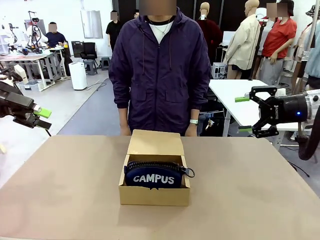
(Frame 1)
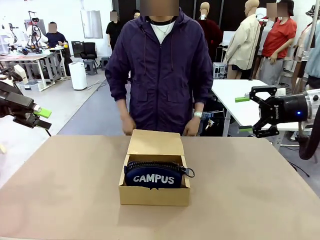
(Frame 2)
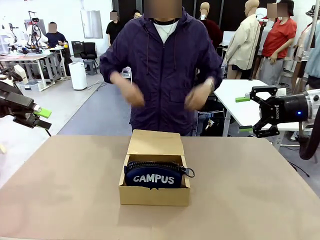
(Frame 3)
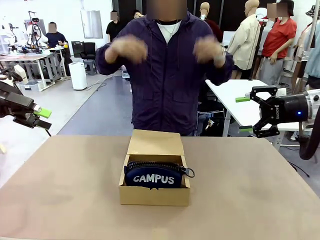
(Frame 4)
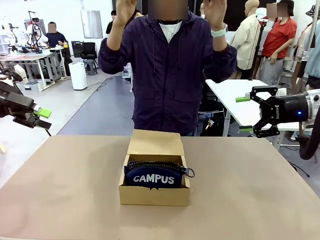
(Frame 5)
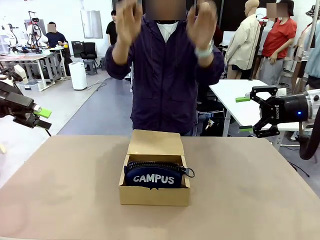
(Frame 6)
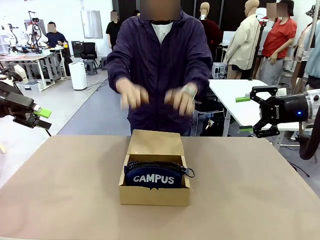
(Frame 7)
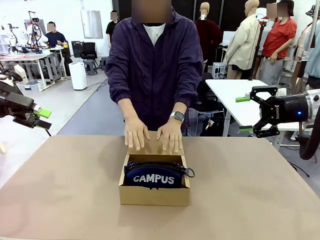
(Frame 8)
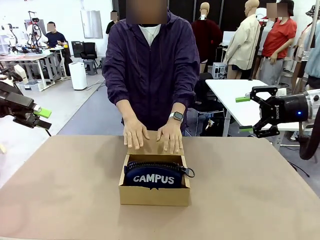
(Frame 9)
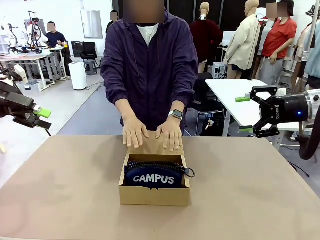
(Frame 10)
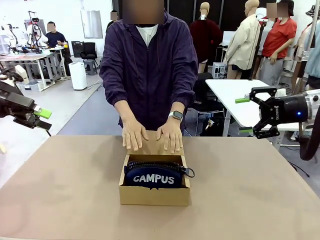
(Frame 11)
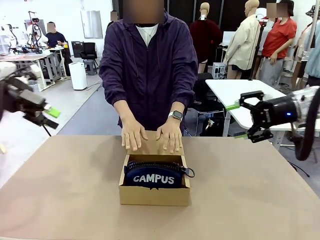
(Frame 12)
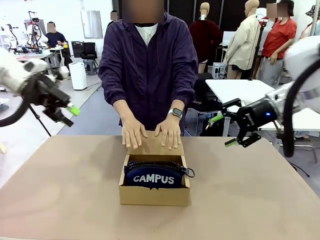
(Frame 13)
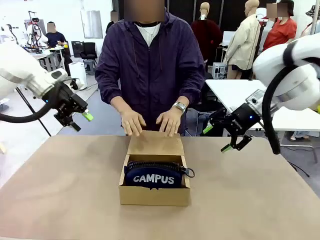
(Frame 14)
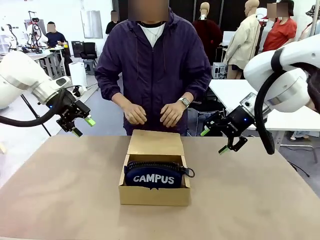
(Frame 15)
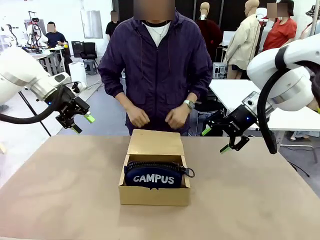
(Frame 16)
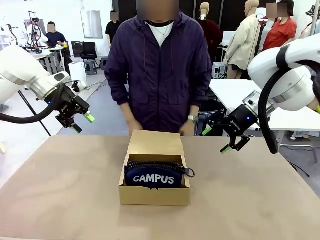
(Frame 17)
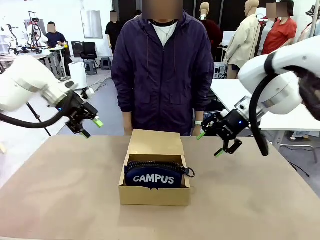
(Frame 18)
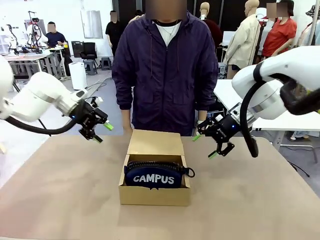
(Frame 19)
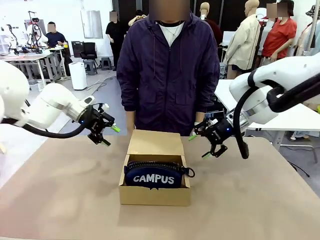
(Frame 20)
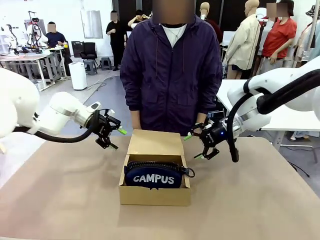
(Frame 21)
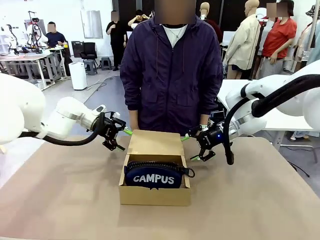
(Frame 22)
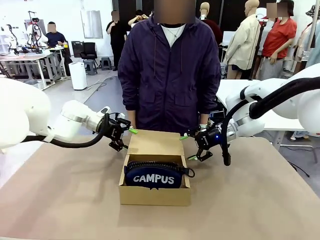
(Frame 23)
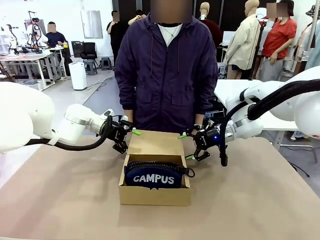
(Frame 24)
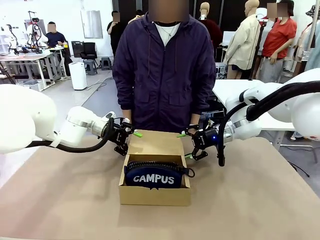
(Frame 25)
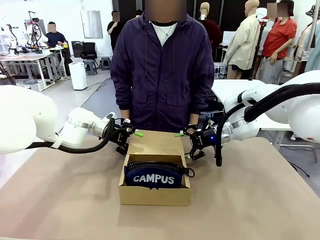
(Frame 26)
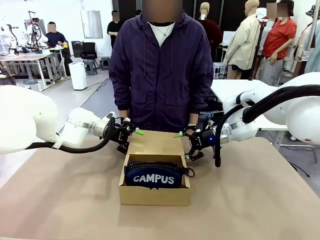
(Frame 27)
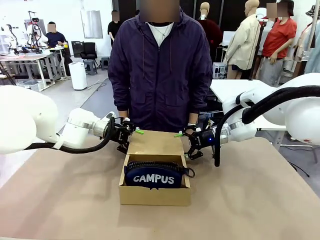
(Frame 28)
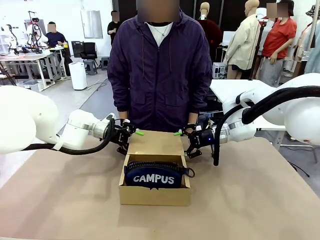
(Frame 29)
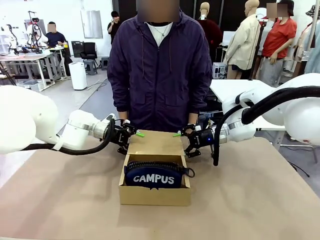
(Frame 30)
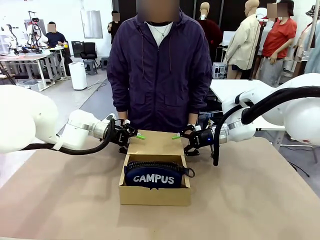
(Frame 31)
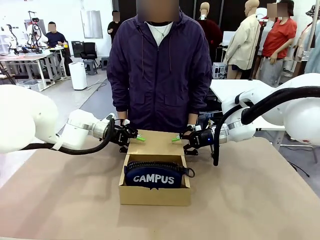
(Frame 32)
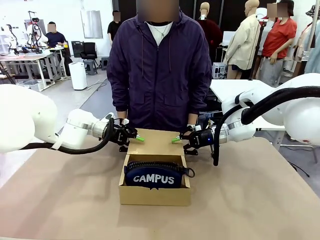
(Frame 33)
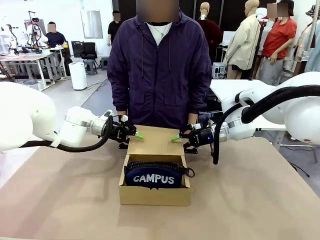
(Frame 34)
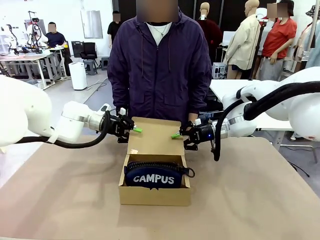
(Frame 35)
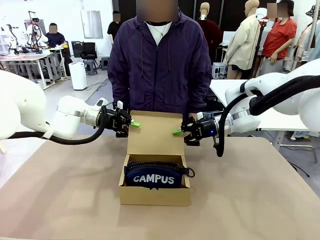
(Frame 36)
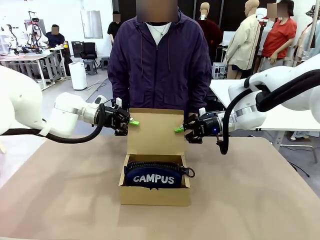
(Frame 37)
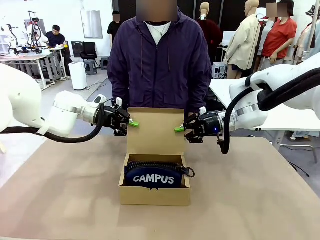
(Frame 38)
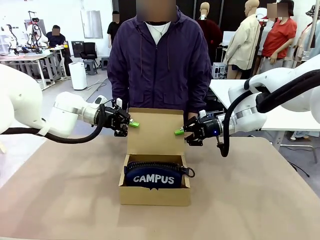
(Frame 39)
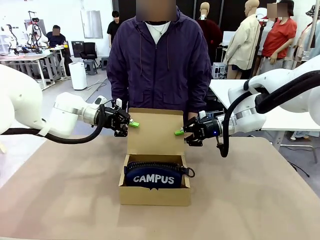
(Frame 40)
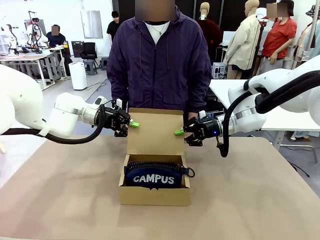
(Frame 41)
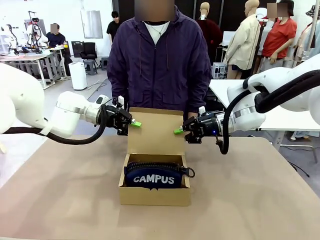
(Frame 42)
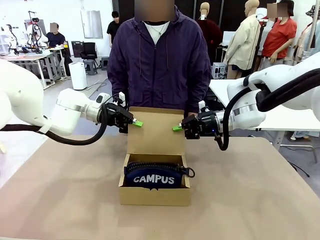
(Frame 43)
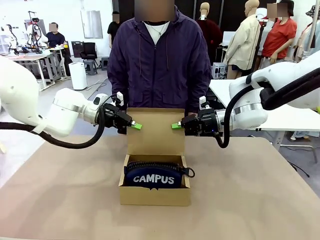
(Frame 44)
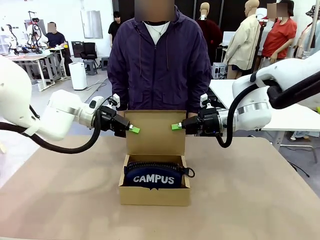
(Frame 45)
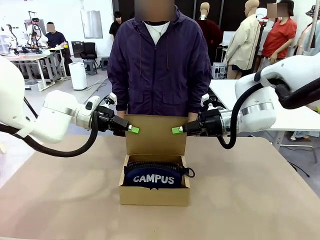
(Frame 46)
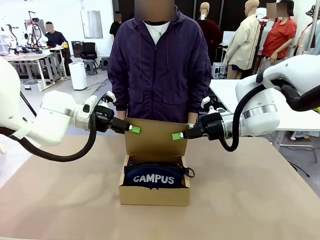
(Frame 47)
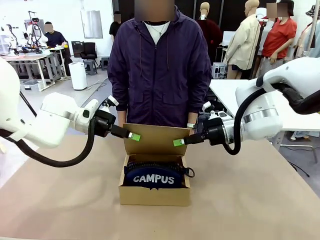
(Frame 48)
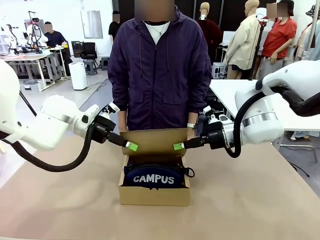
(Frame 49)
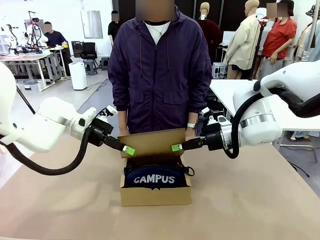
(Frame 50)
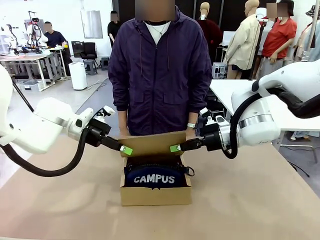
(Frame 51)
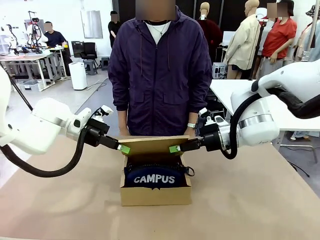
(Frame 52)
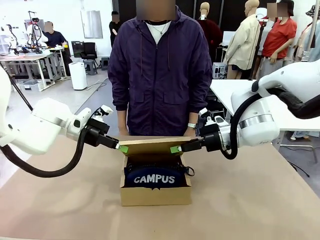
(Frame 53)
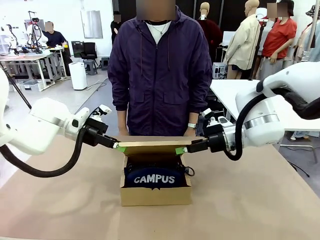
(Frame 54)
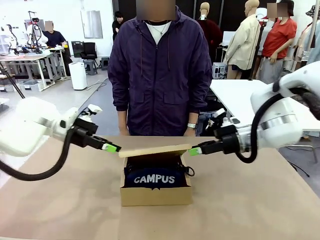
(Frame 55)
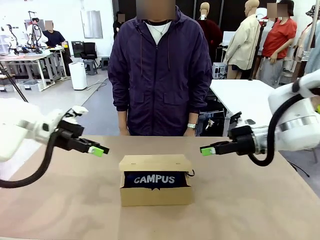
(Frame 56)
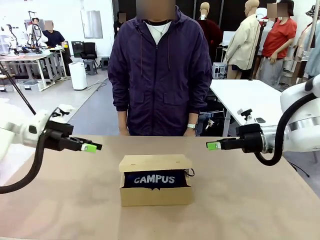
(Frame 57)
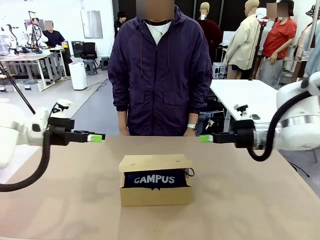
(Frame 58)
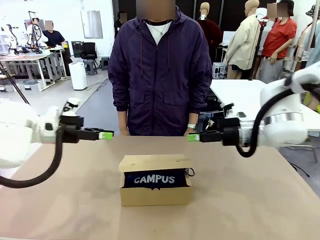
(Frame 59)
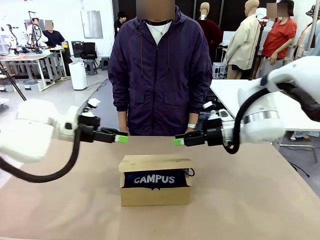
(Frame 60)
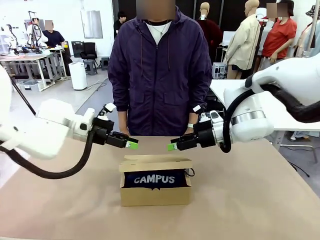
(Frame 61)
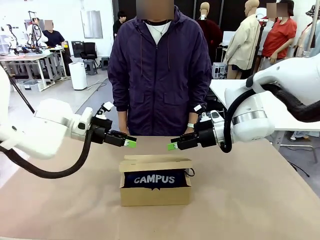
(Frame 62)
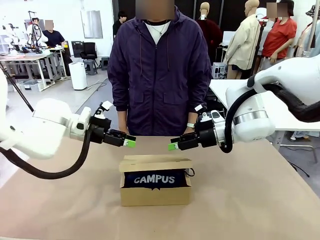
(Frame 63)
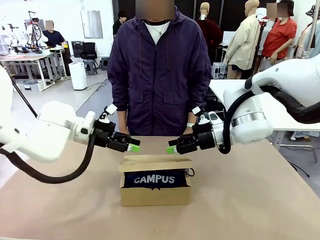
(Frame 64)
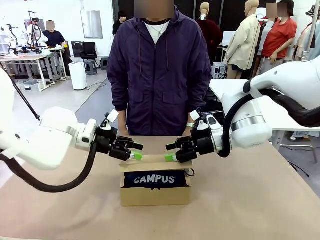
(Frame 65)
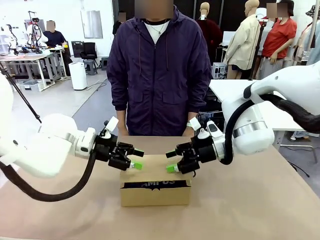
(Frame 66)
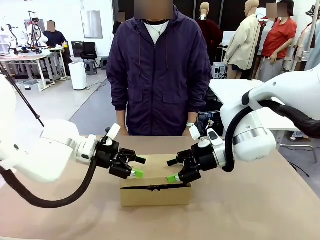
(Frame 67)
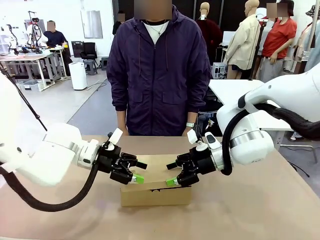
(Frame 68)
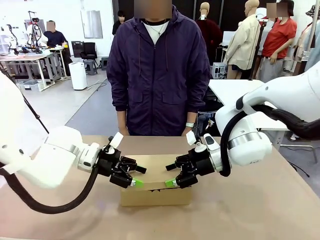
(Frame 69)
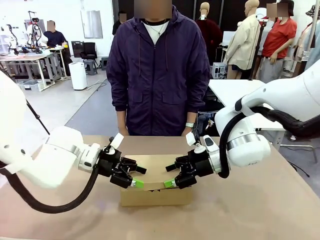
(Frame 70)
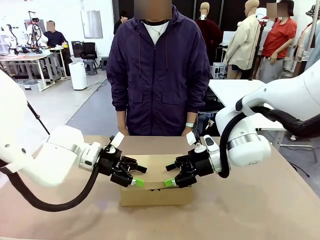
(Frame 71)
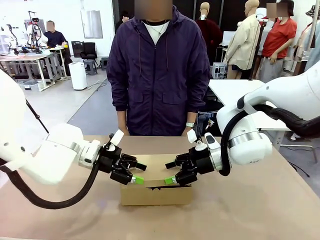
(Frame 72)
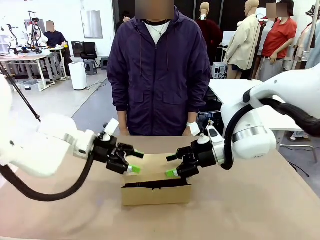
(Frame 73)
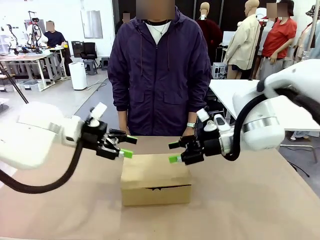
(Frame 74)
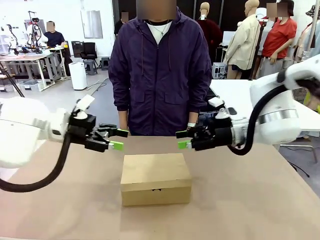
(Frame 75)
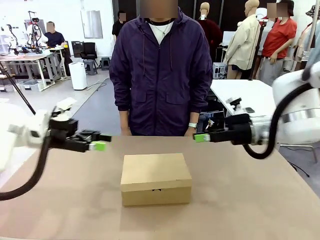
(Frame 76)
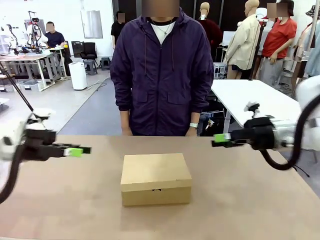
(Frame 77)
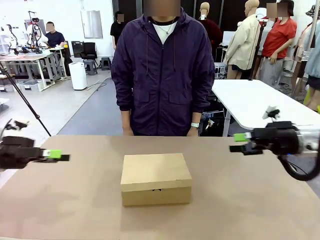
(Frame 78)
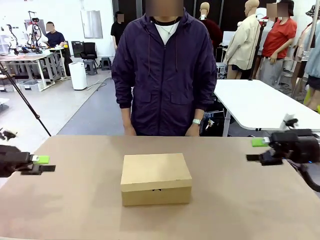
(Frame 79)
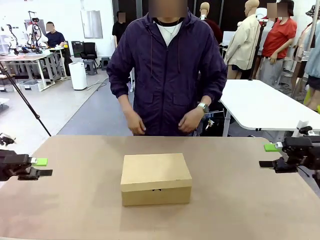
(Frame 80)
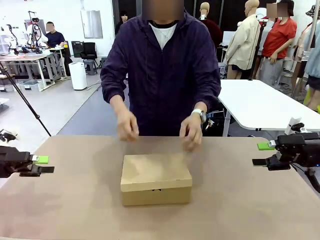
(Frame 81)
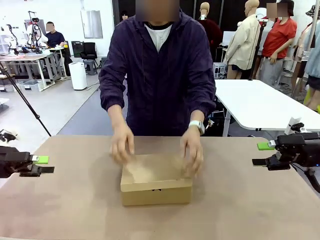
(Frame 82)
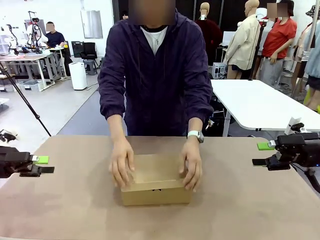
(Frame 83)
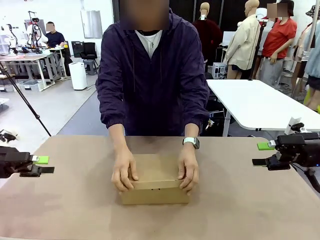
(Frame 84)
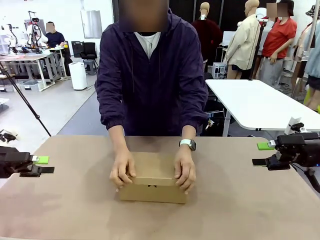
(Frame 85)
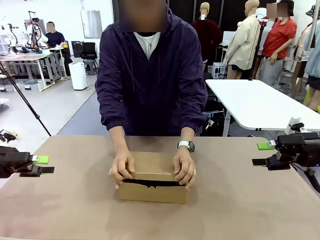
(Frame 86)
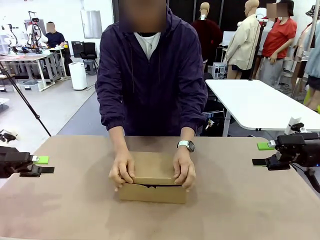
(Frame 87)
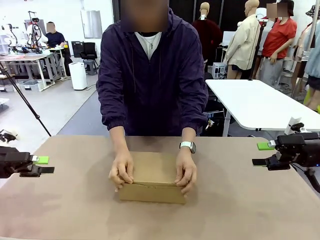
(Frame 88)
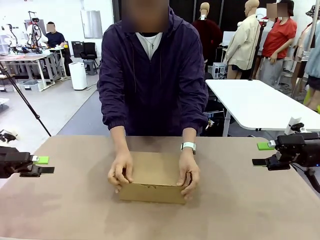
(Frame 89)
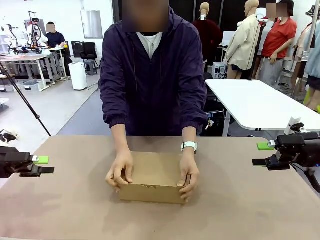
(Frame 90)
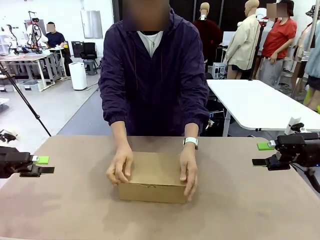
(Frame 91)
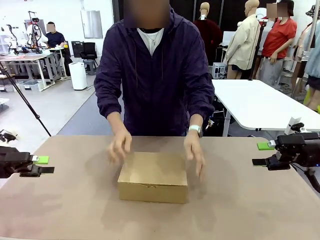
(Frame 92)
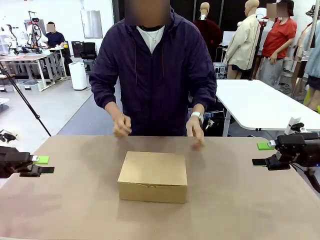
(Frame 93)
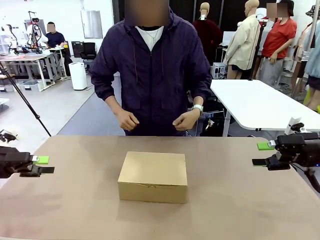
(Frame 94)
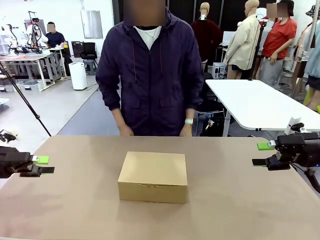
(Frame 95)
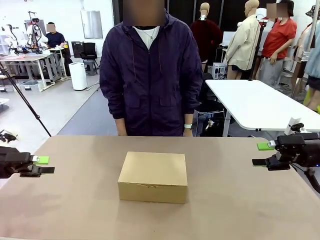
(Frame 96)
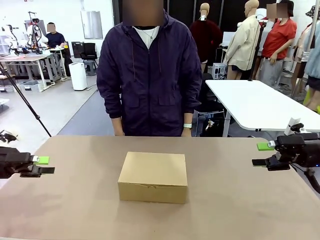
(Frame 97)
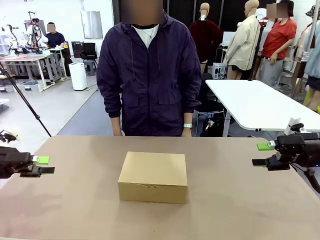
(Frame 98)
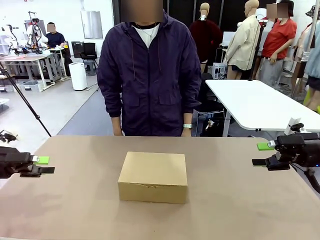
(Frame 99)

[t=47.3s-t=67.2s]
Task: Pack the items into the box.
Robot: Close the Mailer Box.
Person: Turn the box and lock it.
